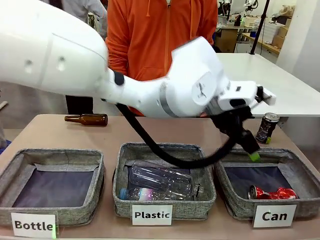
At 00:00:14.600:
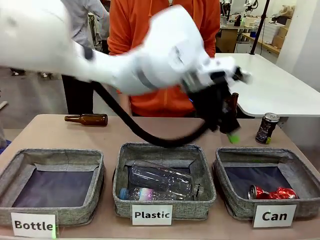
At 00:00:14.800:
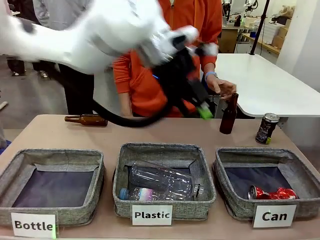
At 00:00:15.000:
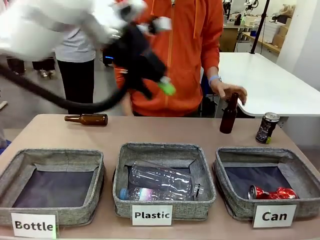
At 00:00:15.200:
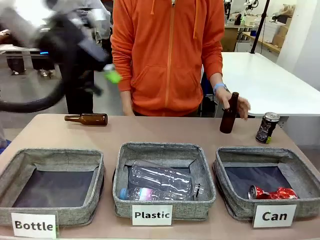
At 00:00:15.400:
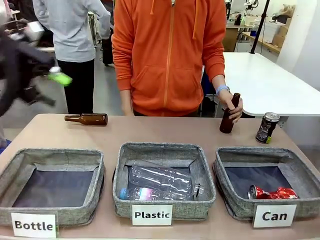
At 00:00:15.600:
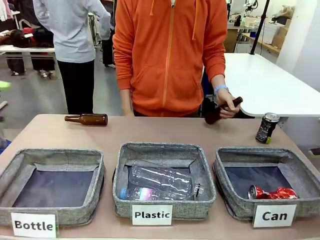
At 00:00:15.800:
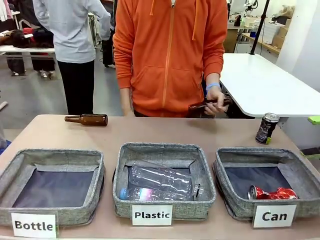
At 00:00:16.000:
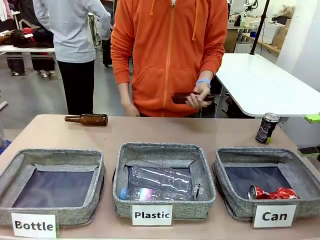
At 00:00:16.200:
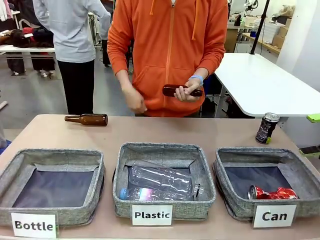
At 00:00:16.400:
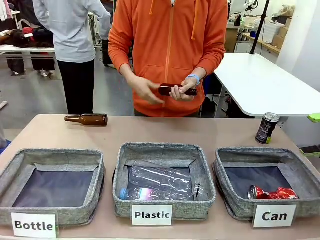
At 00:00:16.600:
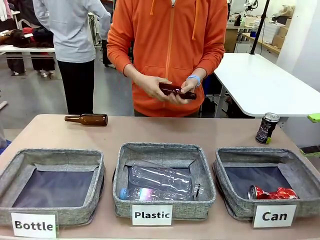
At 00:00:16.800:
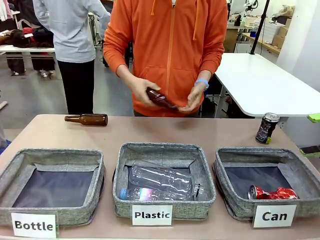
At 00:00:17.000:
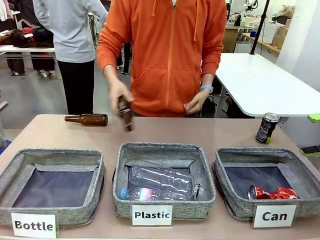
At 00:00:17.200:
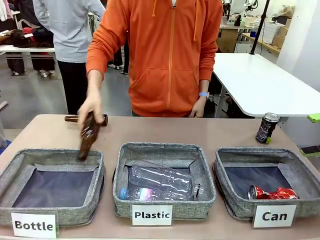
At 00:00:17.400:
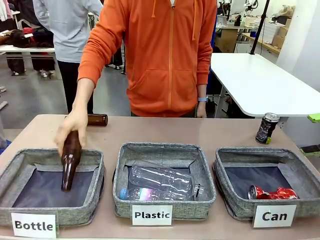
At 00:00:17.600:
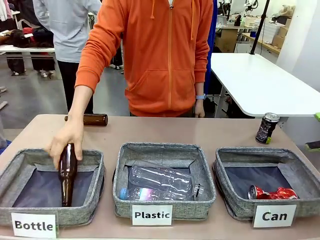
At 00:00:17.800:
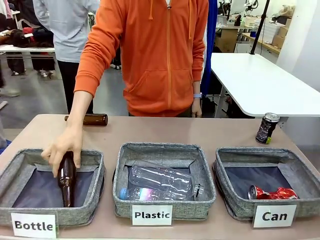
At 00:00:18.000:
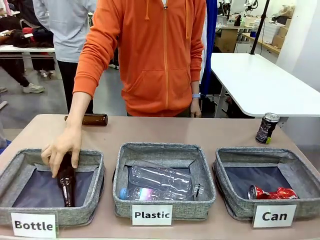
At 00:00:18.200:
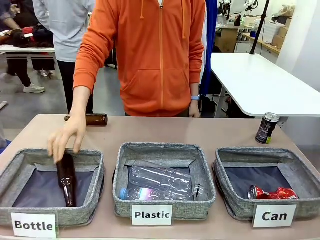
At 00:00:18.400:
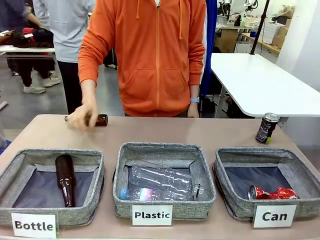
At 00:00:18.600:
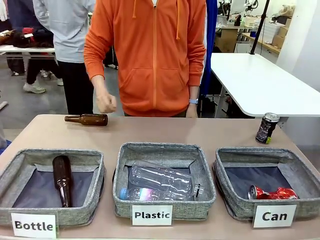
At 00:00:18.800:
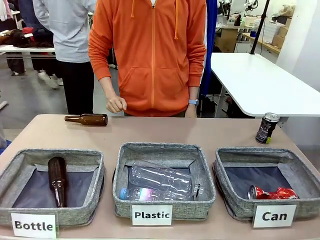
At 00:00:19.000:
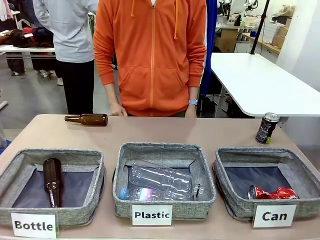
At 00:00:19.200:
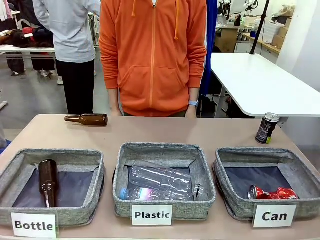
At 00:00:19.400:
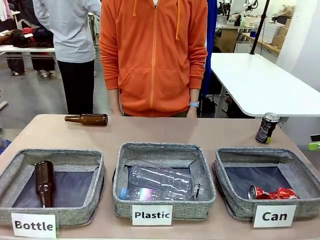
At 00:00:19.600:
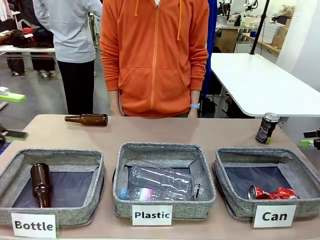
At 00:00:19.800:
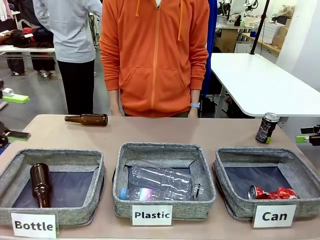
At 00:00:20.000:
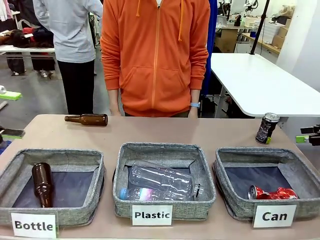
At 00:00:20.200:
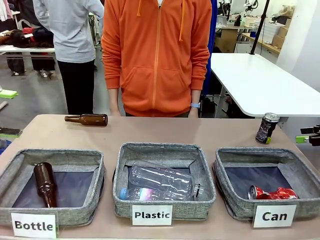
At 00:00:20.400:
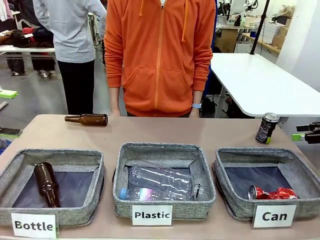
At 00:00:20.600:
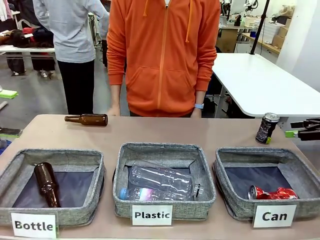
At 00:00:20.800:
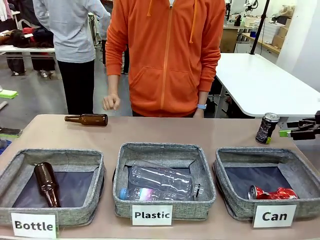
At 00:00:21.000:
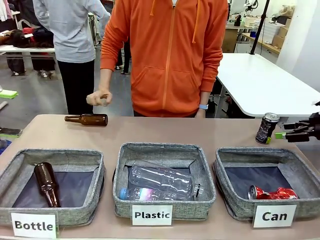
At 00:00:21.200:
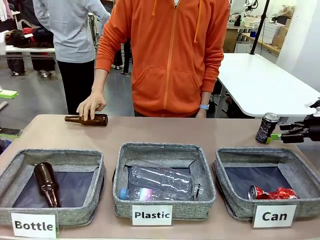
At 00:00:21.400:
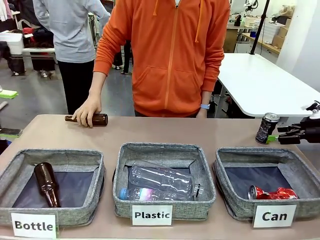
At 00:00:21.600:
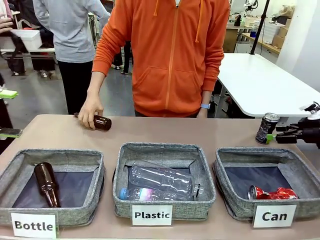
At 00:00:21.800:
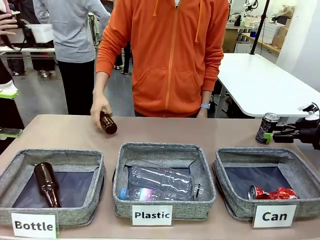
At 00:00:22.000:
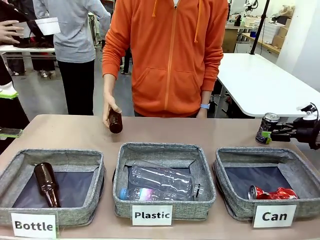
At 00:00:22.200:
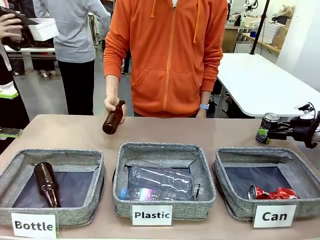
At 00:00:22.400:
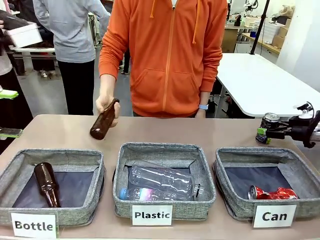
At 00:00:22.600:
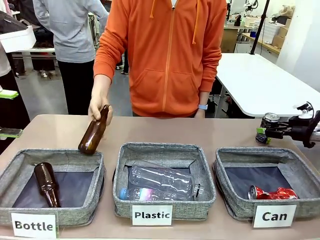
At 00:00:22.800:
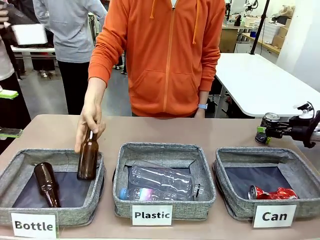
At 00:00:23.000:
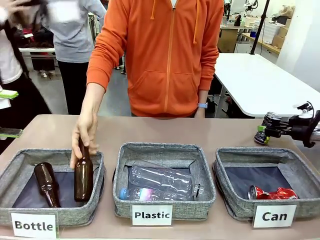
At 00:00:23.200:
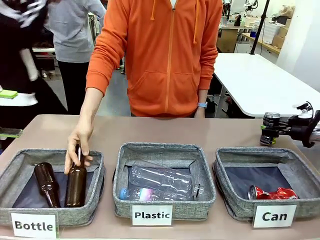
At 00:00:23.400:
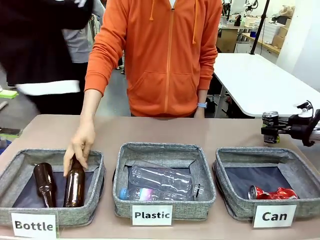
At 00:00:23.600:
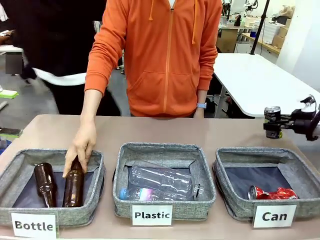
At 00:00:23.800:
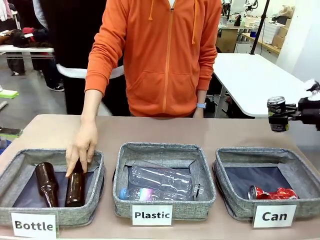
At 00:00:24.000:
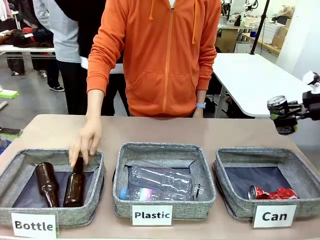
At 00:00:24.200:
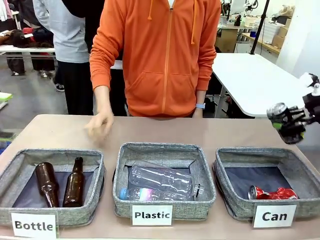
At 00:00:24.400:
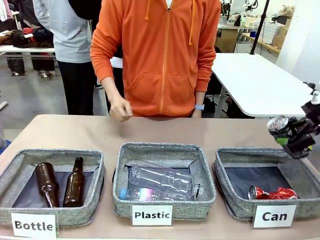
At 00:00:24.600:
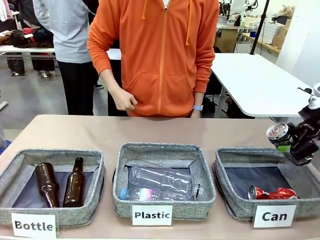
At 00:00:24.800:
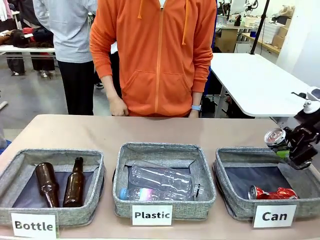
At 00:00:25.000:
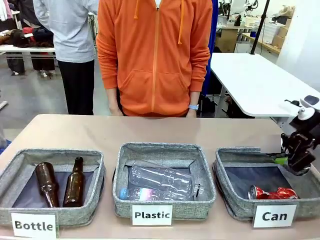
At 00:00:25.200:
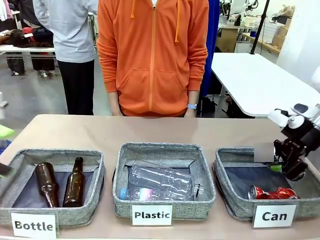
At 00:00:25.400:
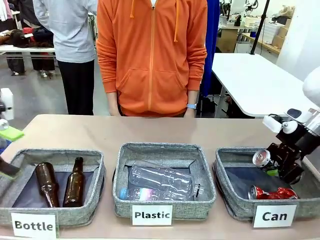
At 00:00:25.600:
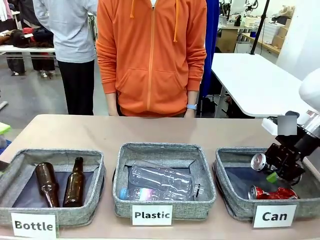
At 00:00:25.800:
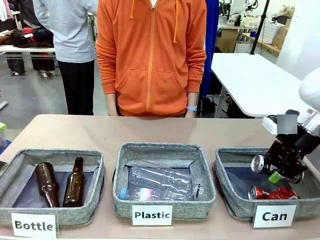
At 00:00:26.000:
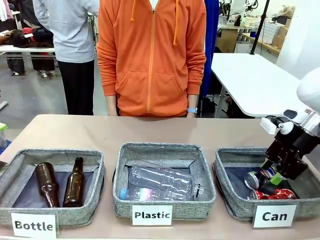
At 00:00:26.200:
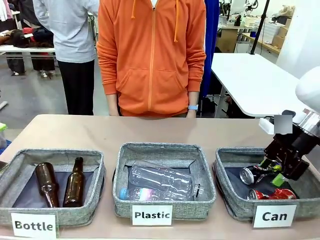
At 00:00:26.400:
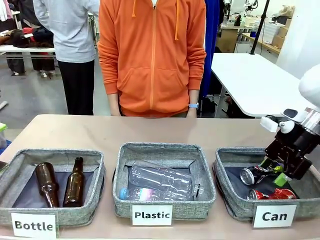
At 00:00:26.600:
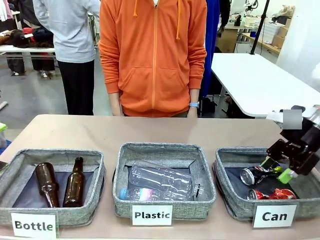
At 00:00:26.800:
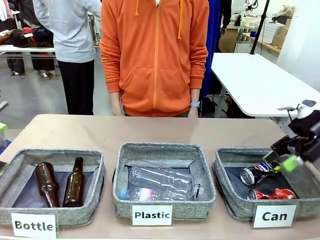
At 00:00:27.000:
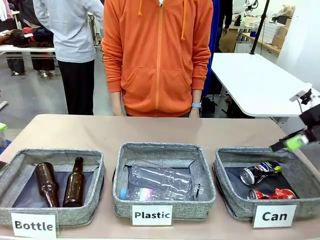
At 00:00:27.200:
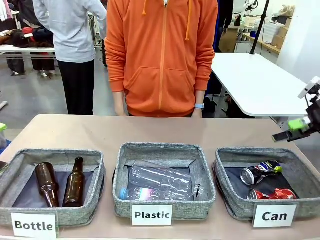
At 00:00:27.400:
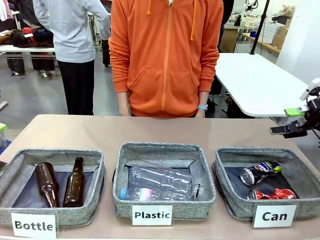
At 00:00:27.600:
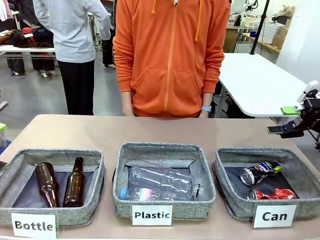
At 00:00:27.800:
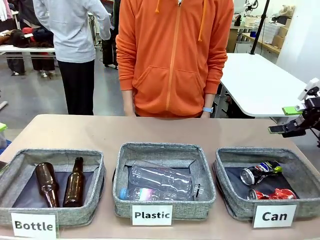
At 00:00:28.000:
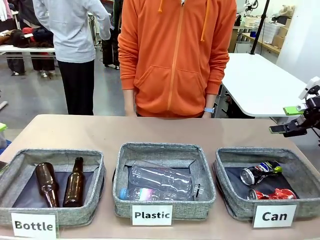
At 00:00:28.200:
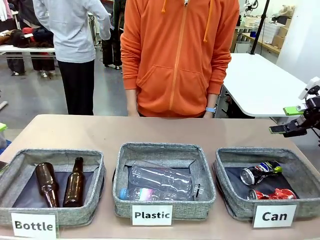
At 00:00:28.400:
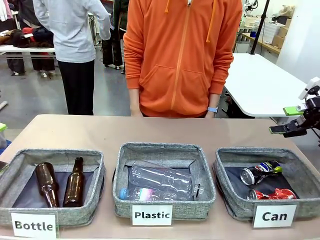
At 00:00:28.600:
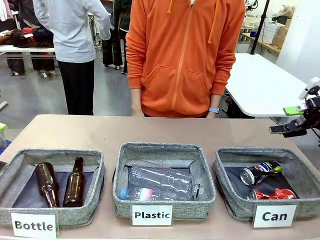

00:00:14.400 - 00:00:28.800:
Task: Sort the can waste into the basket.
Robot: Pick up the can waste from the table and place it in the right Fabric basket.
